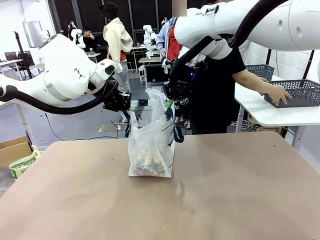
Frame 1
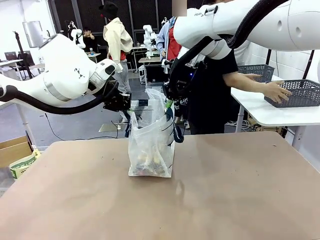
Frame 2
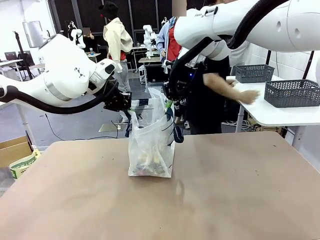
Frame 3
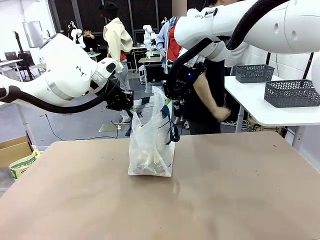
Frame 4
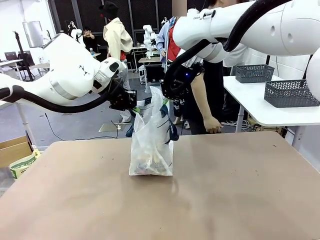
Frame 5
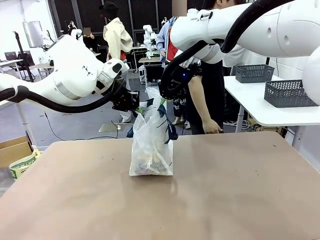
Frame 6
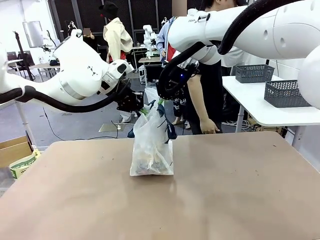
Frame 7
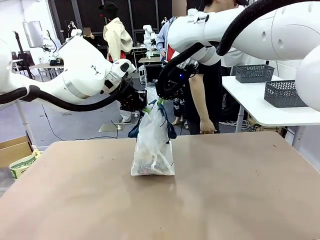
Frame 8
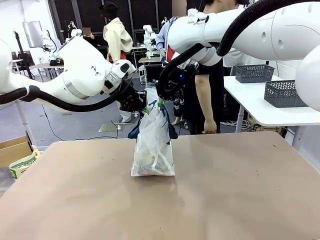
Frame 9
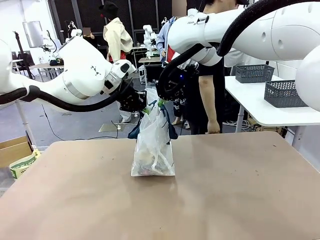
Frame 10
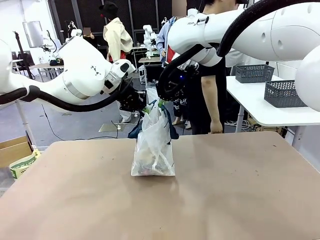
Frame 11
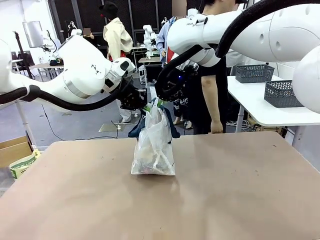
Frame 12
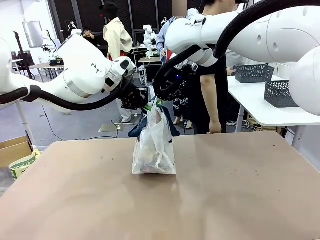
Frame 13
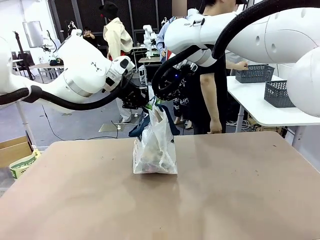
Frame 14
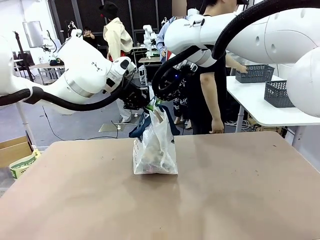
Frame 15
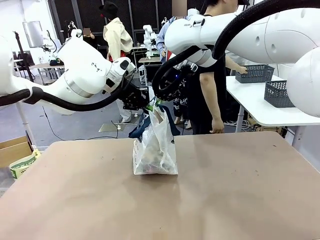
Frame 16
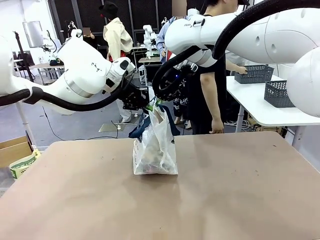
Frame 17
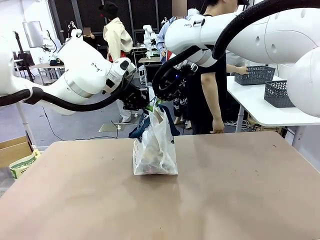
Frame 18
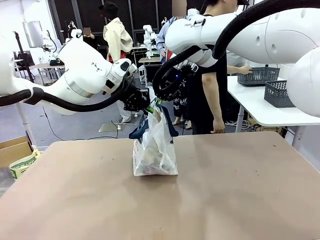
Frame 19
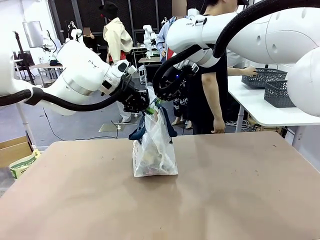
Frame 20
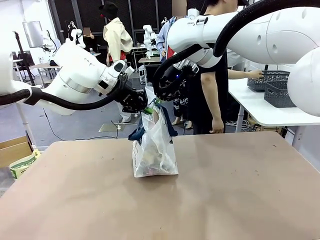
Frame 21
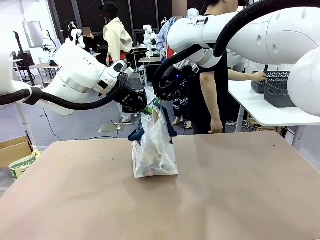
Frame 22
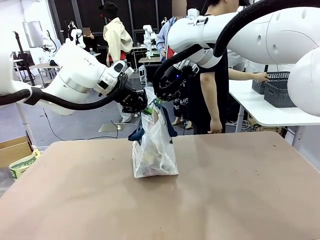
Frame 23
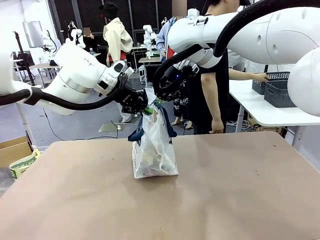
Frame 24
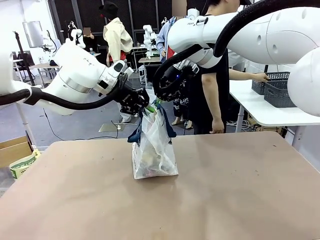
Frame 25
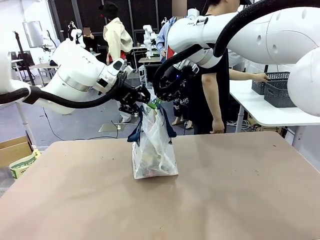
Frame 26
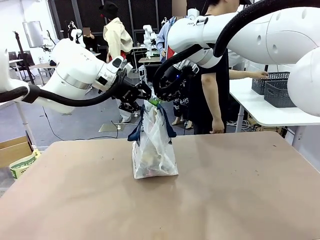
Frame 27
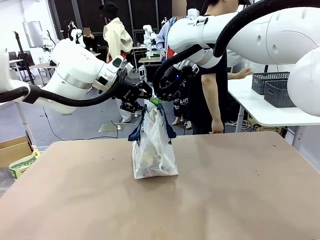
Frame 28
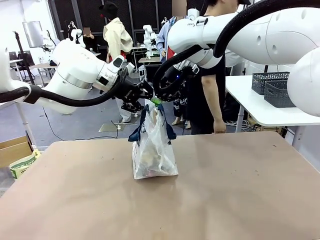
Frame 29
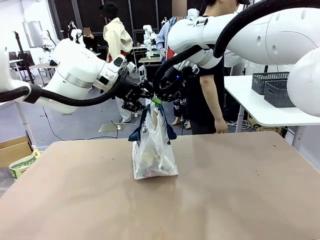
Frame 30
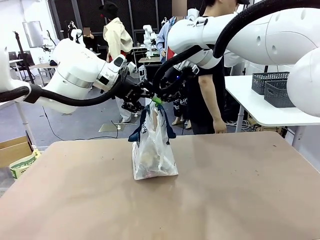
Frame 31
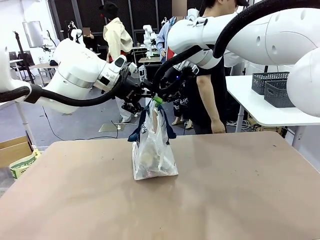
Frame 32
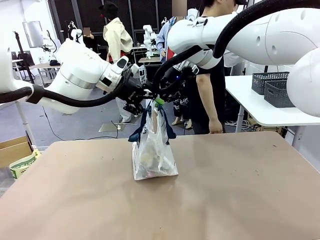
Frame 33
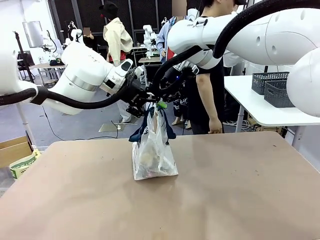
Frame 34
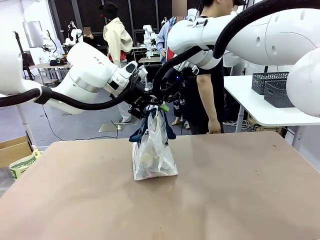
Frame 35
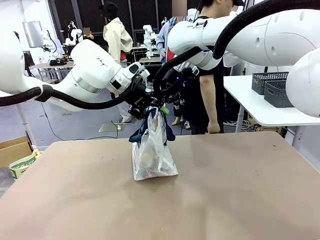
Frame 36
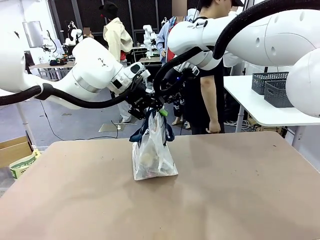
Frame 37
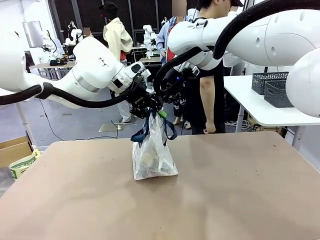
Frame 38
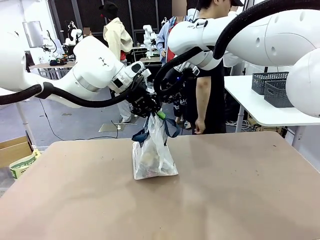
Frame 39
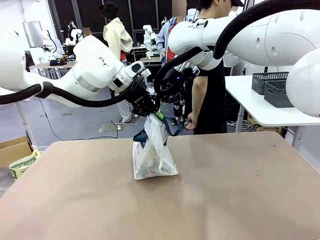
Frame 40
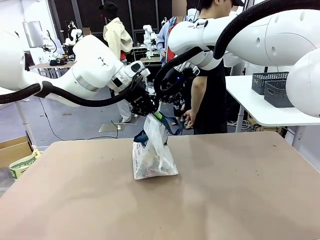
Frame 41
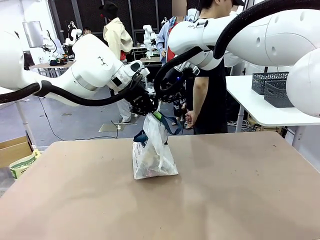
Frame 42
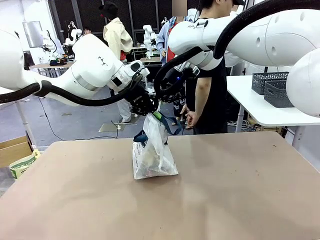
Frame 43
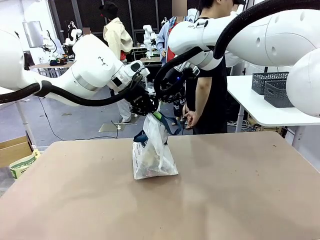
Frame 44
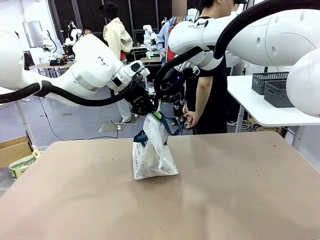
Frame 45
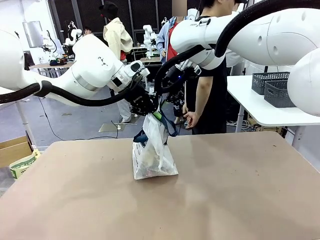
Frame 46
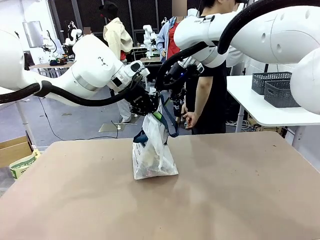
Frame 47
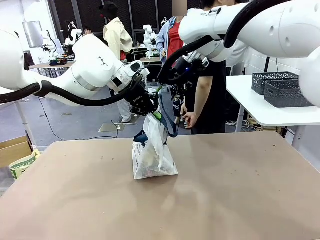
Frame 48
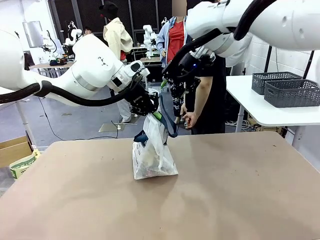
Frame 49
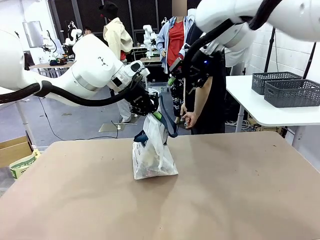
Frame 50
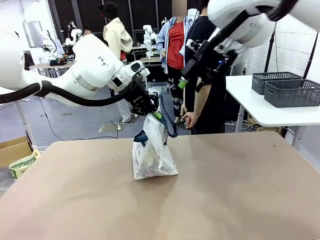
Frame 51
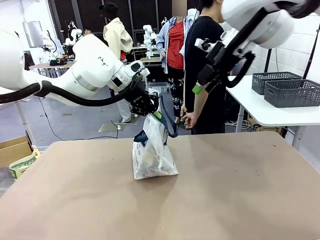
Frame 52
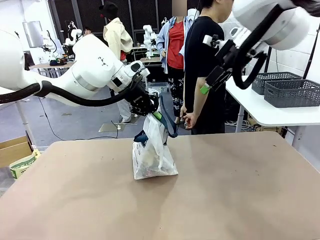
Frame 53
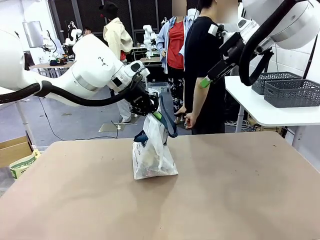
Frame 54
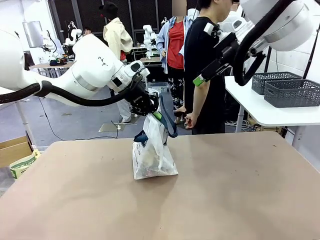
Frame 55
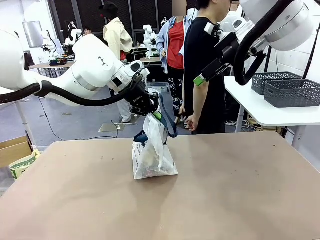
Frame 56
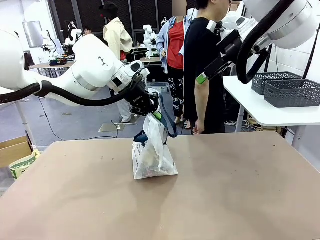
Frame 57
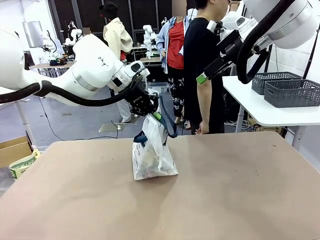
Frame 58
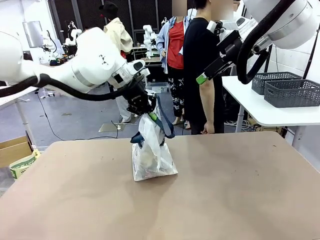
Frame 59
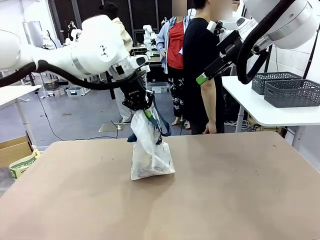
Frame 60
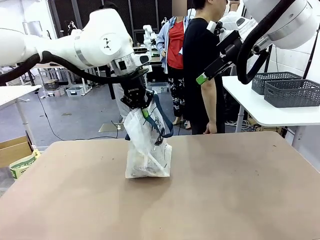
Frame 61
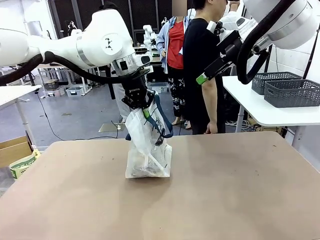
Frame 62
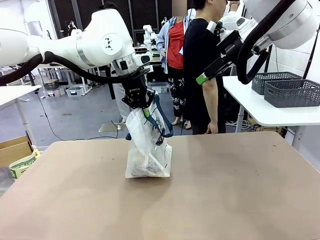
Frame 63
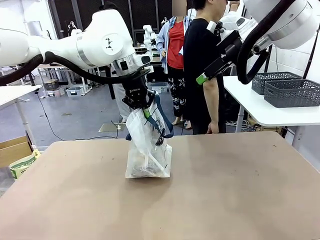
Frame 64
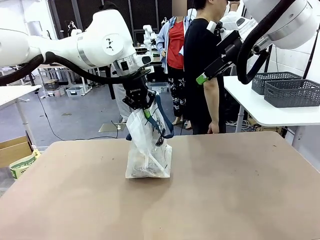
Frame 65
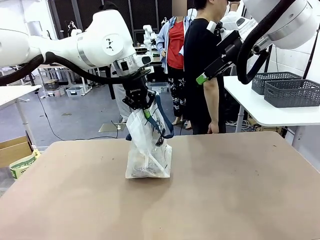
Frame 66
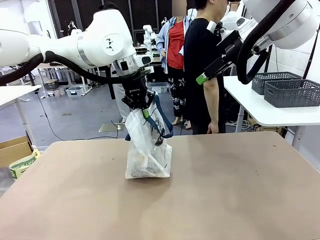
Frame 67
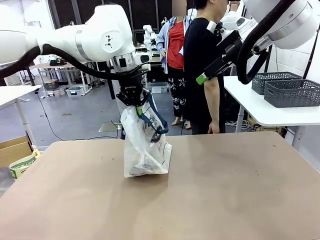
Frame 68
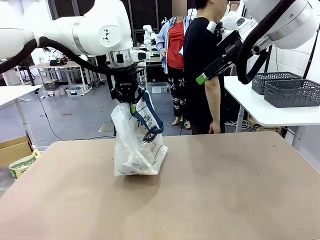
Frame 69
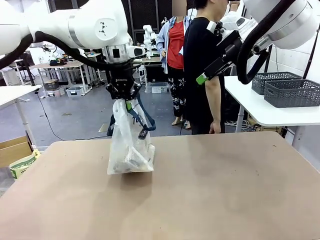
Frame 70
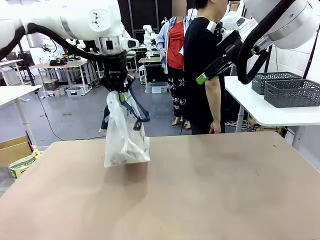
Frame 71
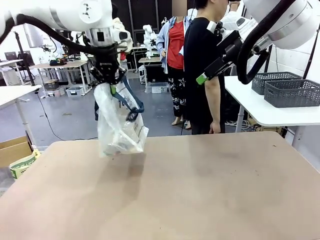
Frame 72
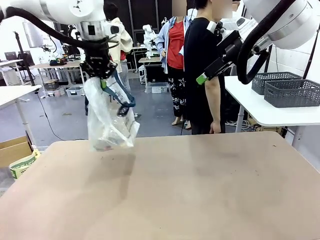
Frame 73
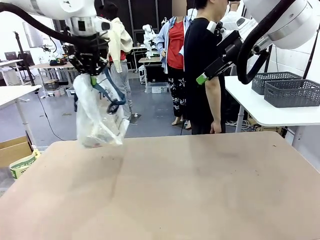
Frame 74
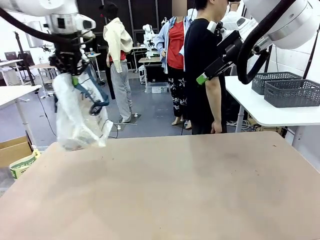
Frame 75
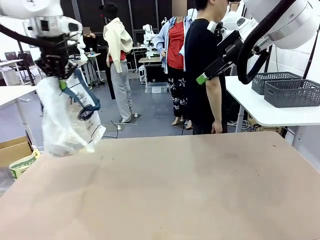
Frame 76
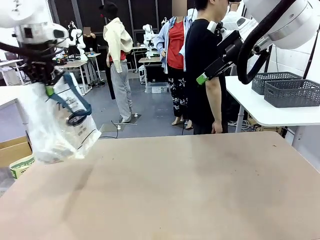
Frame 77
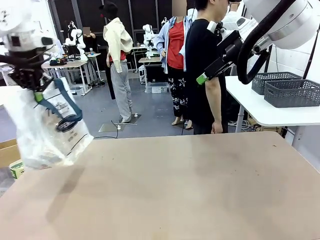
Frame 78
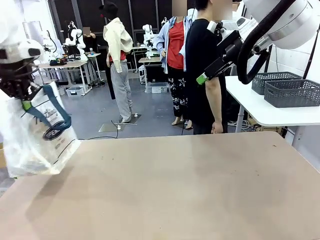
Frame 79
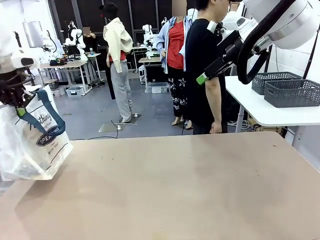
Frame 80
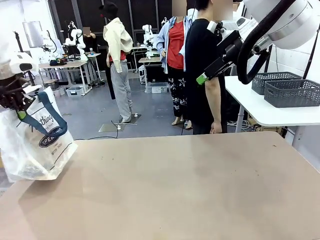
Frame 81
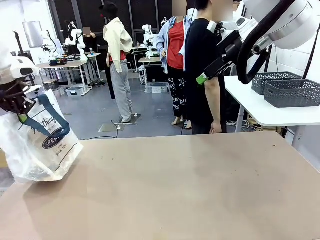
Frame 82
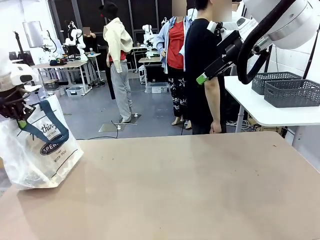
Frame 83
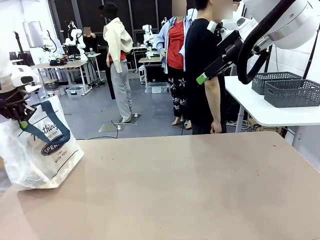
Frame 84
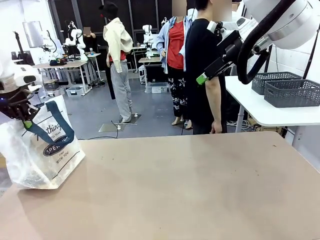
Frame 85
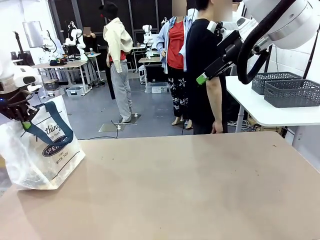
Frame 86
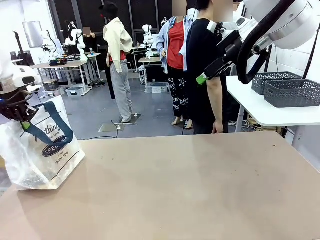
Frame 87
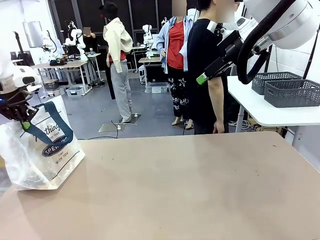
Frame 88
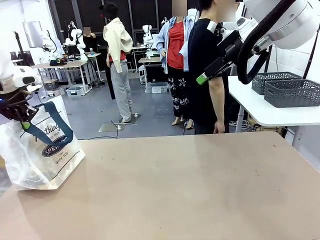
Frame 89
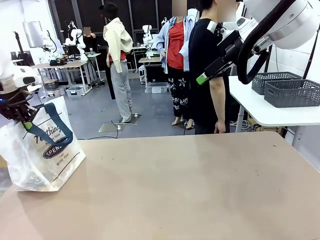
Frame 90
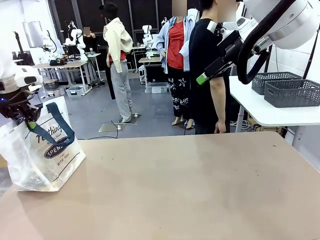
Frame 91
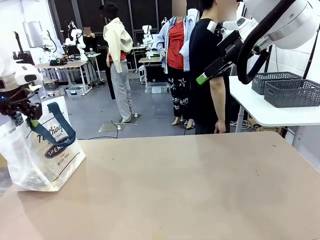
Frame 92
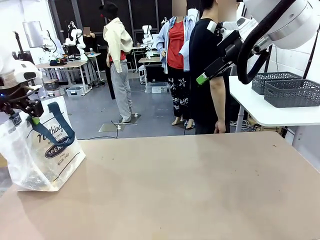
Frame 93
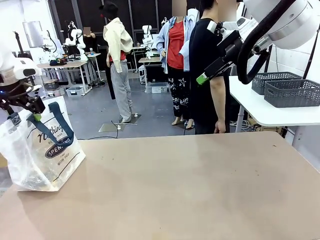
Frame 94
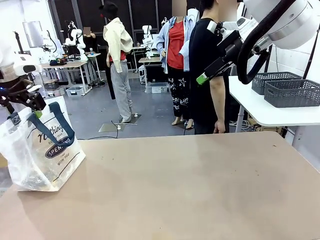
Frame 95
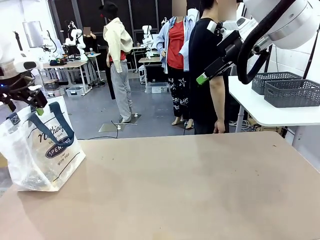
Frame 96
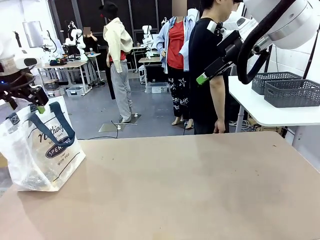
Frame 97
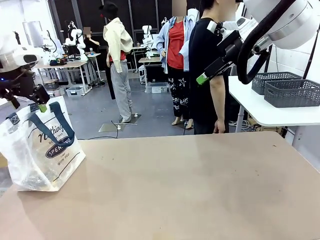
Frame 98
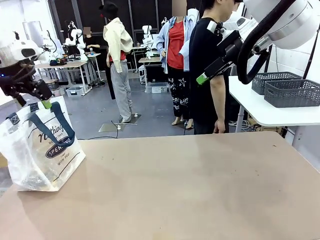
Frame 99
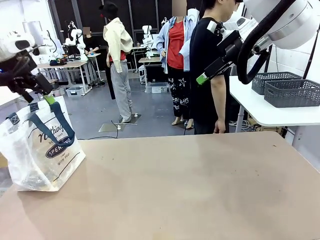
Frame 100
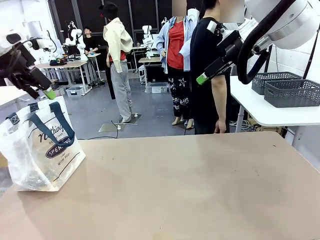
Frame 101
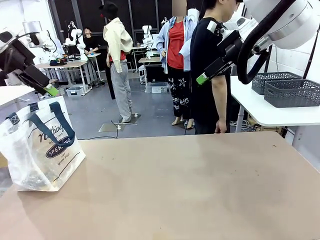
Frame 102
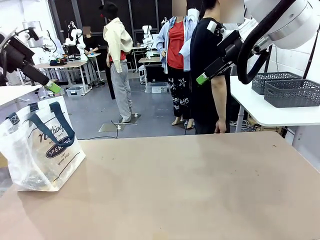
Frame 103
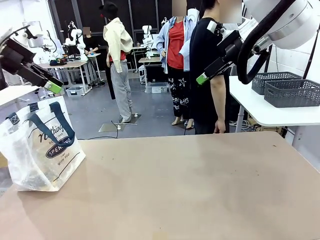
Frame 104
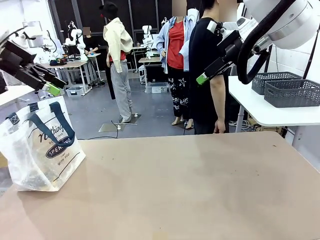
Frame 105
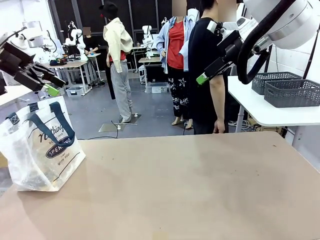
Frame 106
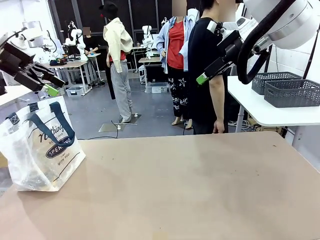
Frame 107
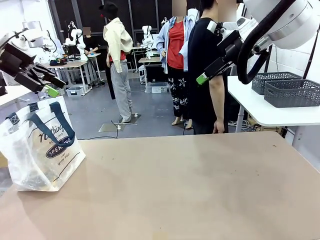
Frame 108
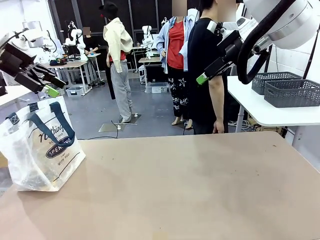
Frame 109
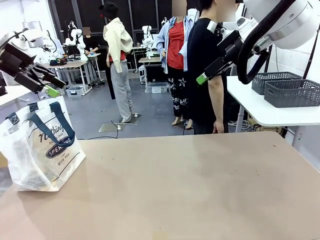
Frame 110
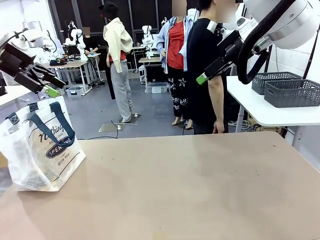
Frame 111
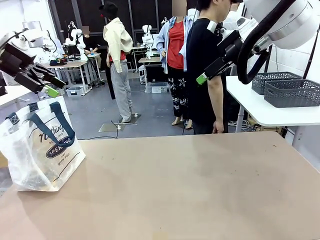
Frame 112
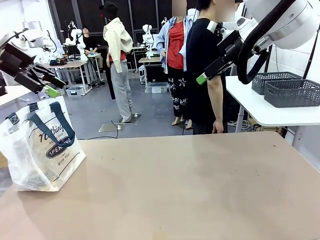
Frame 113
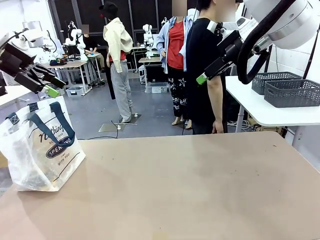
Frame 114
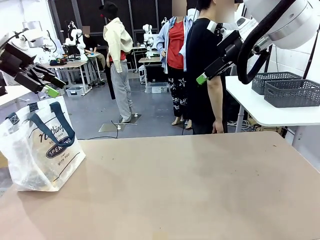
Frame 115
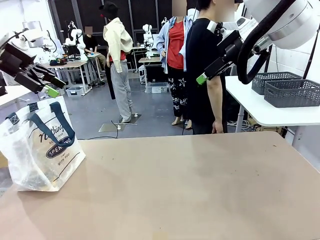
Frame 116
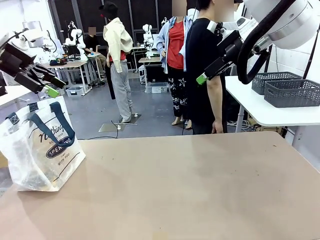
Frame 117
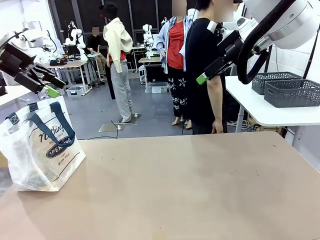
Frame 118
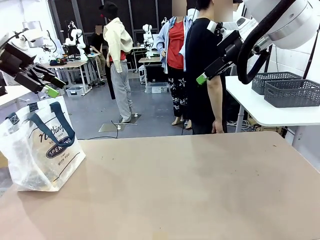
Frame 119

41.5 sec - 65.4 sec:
Task: Transfer purchased items from the store into the shopping bag.
Robot: Move the Reusable shopping bag to the right side of the table.
Person: Move the basket on the left to the middle of the person's table.
